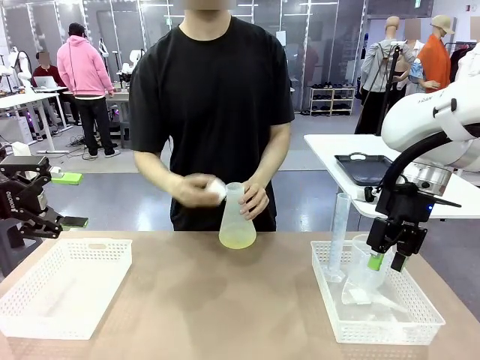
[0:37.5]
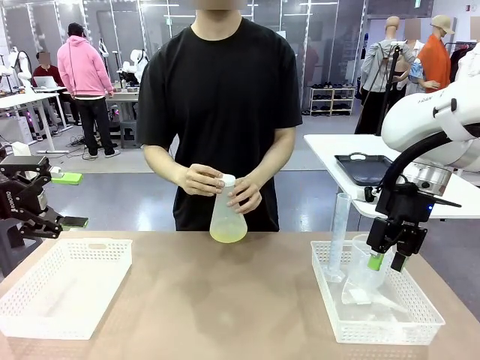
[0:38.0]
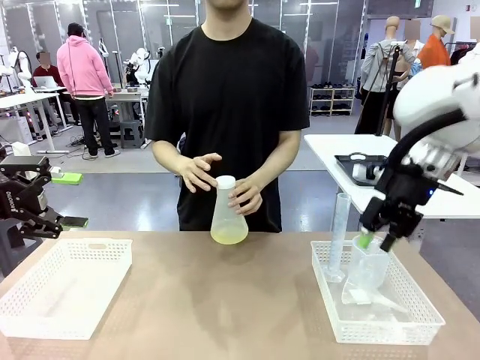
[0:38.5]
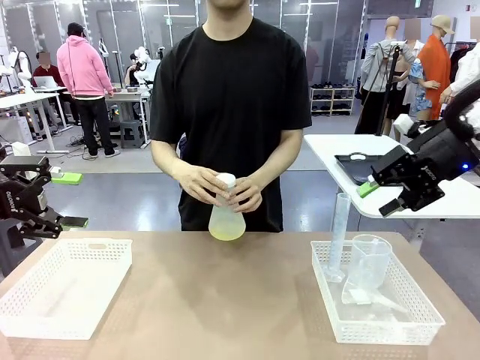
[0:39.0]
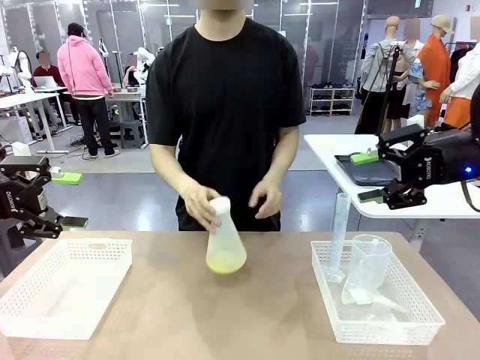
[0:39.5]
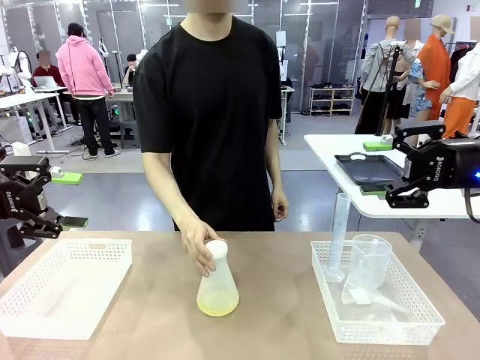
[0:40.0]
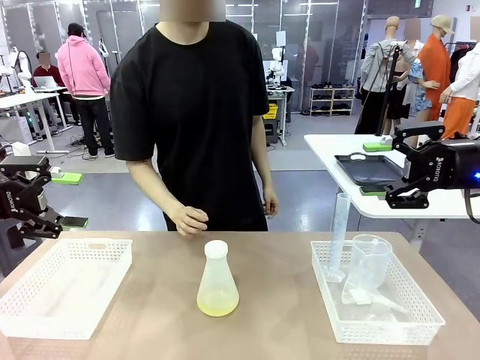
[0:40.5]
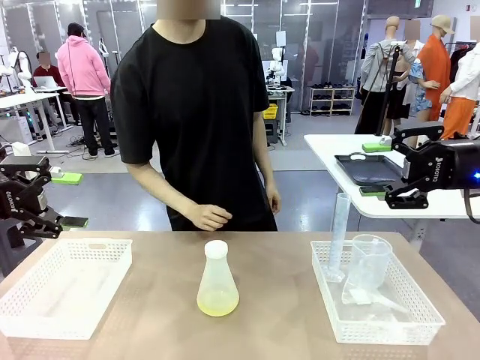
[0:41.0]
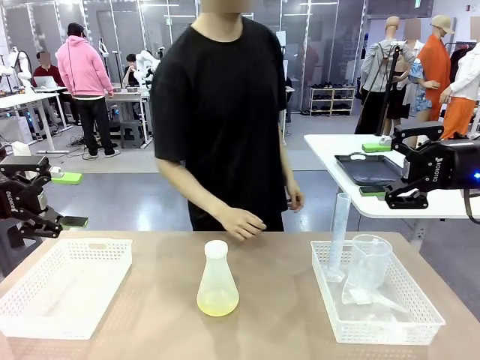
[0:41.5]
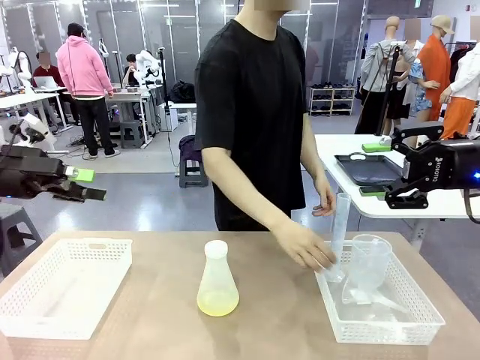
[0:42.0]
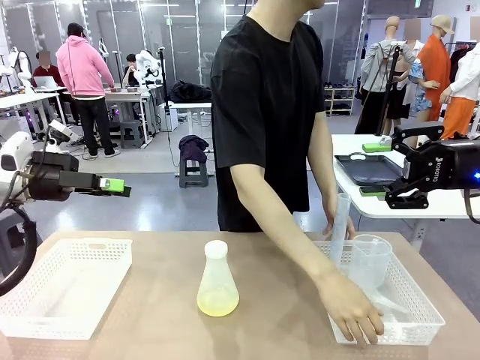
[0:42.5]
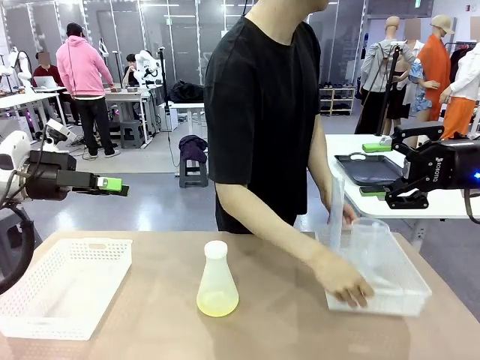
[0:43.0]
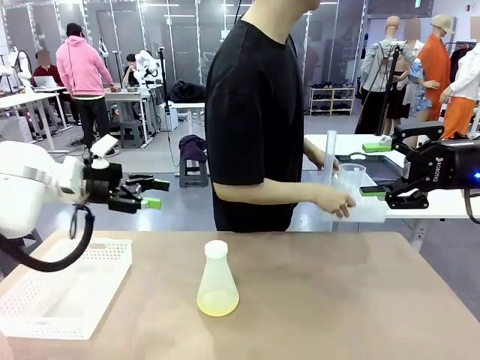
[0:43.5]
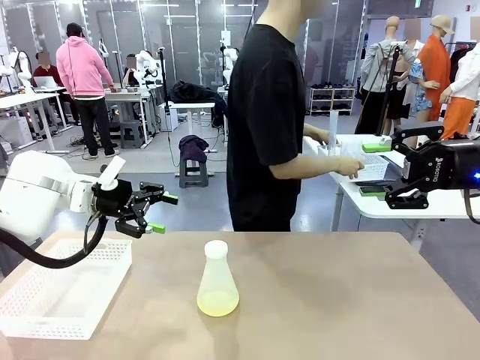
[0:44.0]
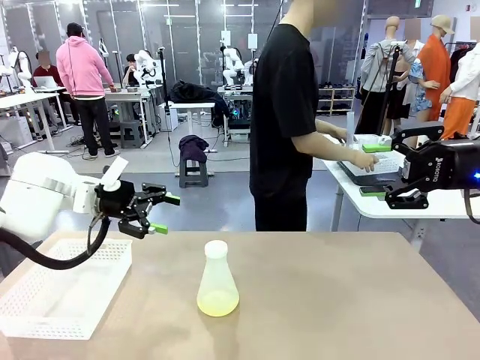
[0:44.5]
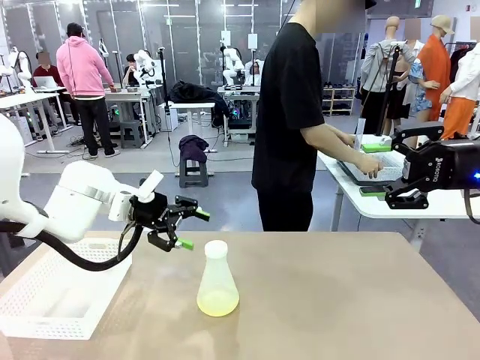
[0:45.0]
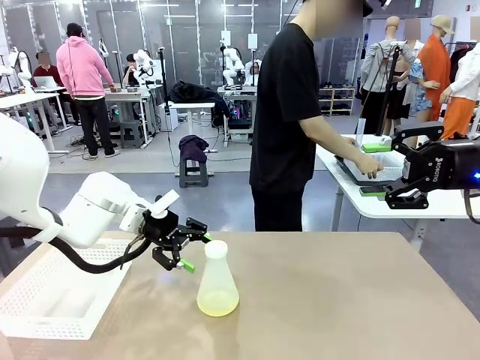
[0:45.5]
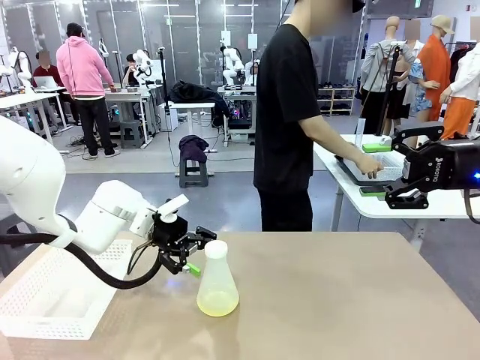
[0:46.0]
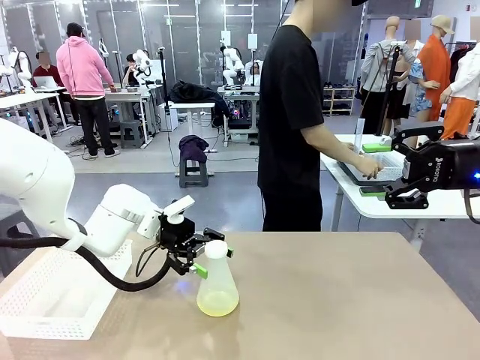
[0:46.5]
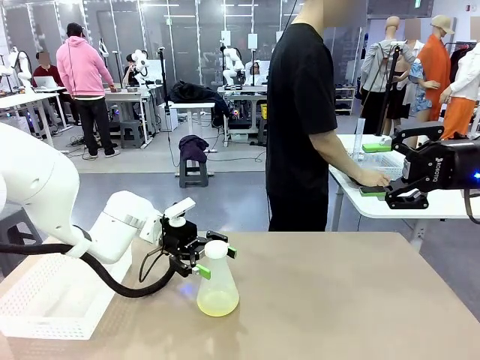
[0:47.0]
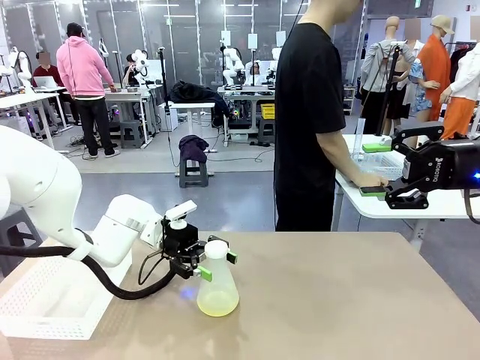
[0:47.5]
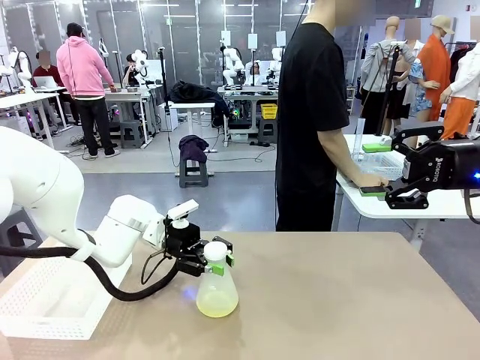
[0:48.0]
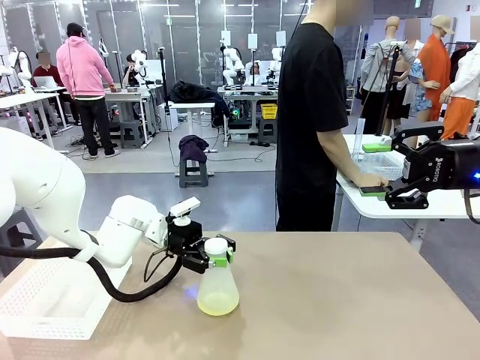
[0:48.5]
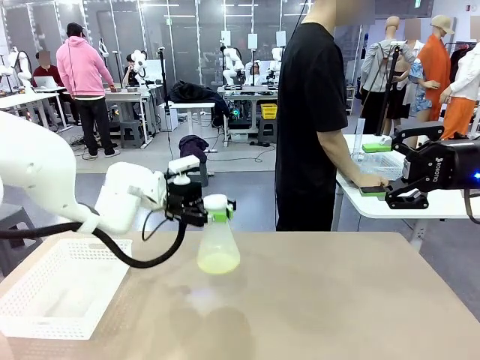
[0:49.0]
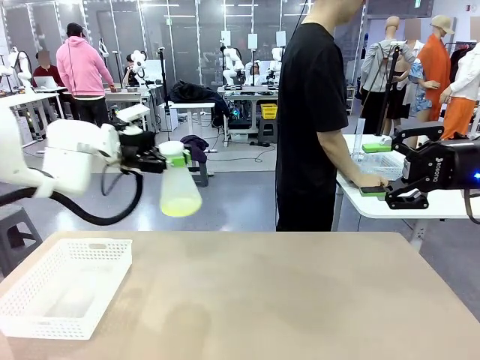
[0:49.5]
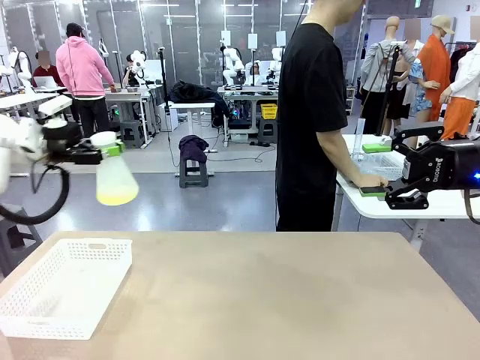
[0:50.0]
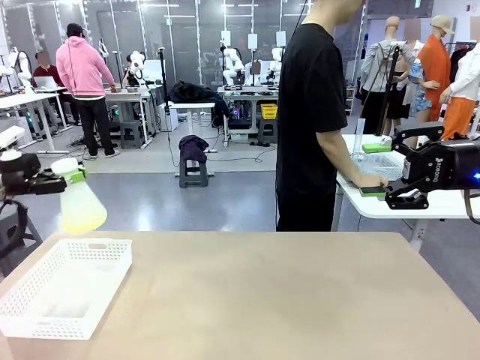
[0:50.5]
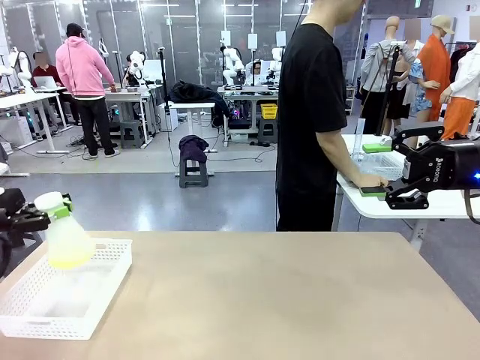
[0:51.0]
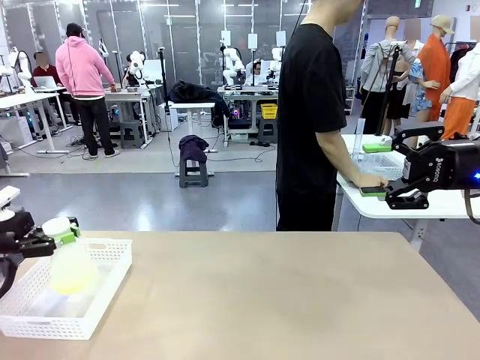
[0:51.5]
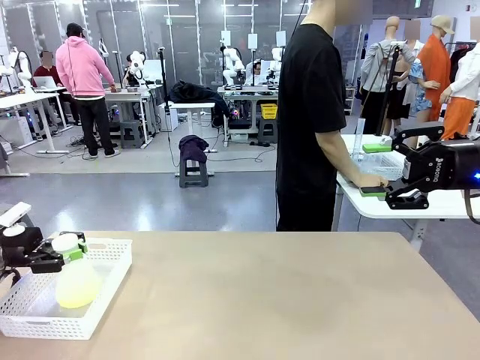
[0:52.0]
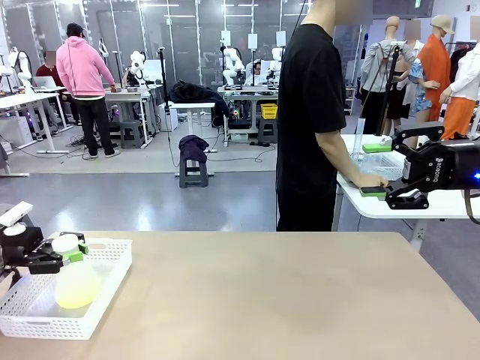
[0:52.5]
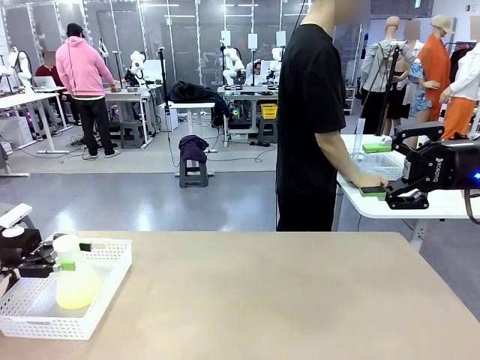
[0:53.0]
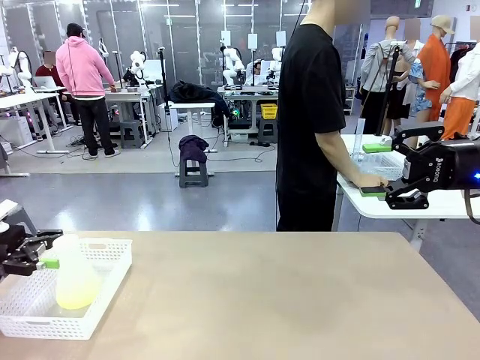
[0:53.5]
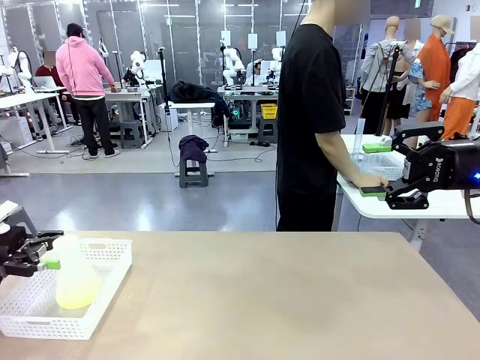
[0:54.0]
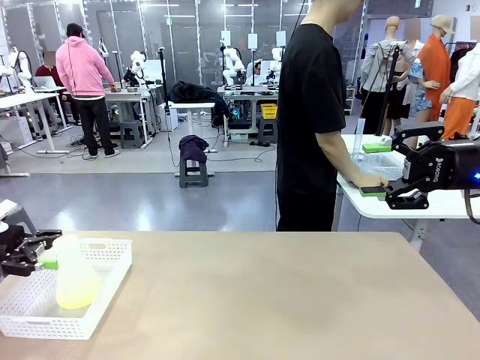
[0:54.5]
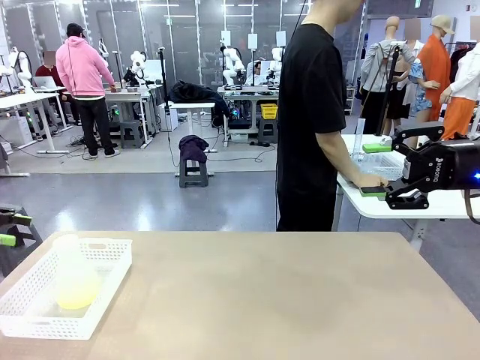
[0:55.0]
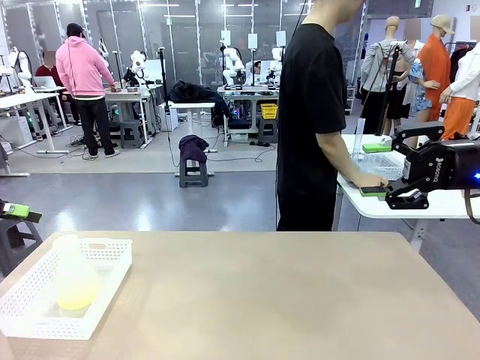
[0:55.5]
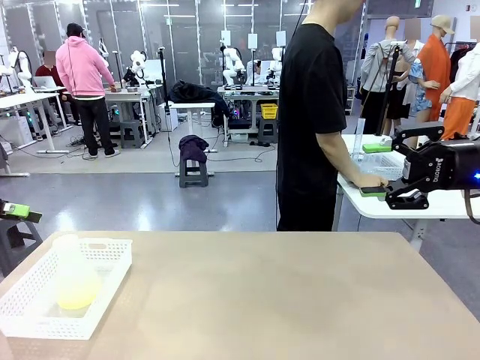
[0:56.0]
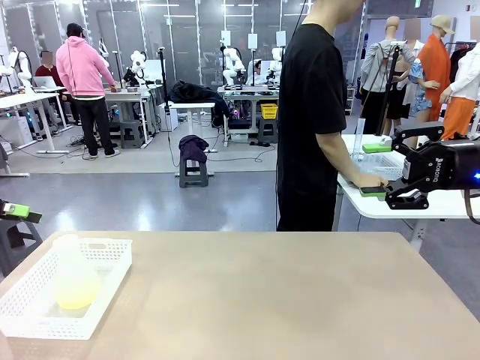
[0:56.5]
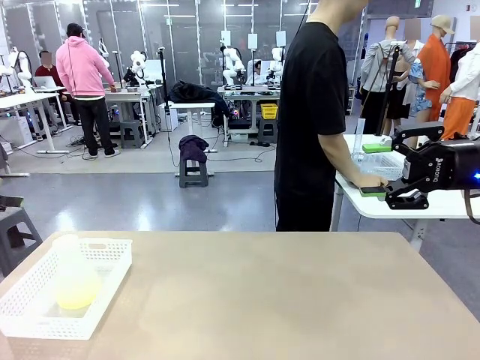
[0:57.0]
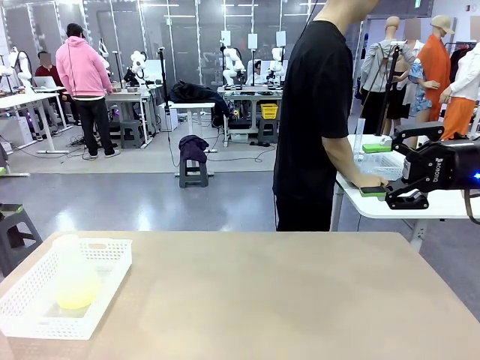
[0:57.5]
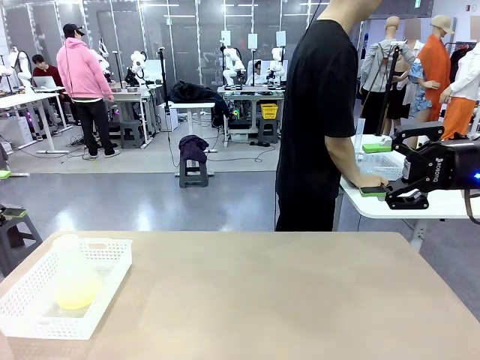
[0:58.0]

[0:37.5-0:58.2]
Task: Prepare the solutions needed for the experiment.
Robot: When the human places the Big flask in the center of the table, pick up the Big flask and place it in the left Organizing basket.
Person: Pick up the organizing basket on the left side of the robot table and place it on the left side of the human table.

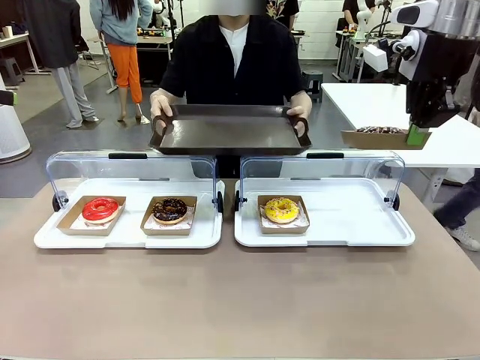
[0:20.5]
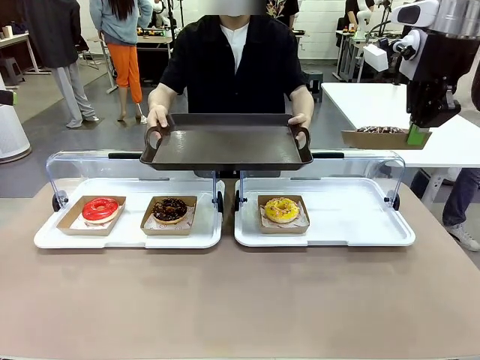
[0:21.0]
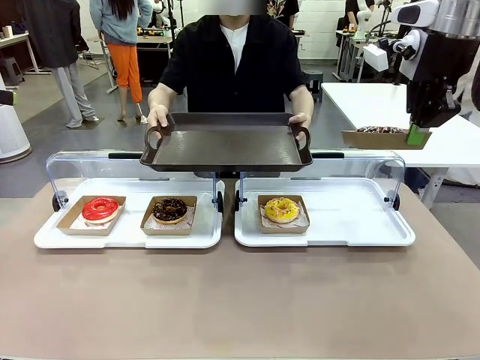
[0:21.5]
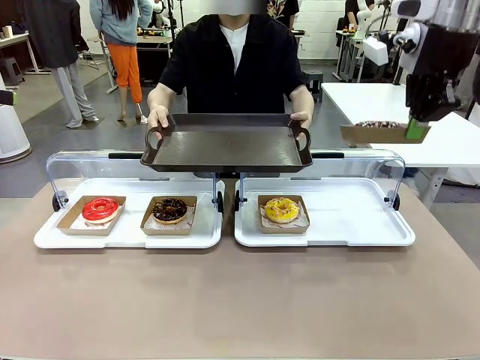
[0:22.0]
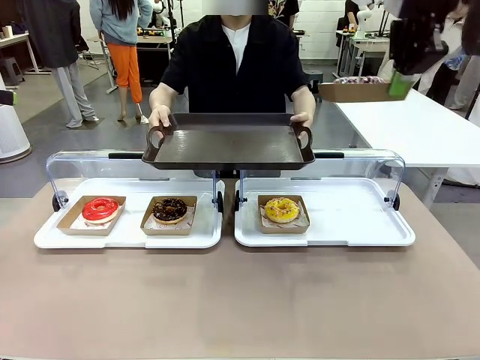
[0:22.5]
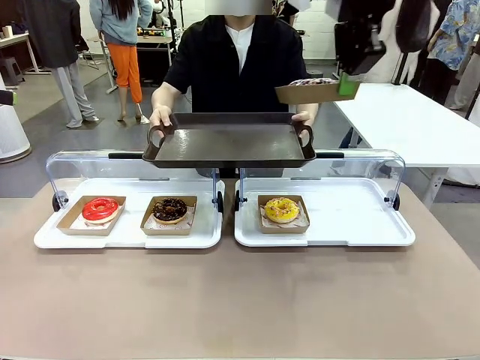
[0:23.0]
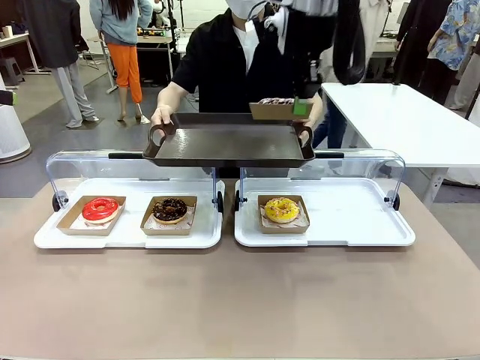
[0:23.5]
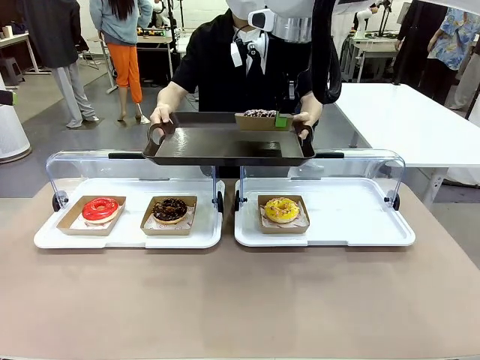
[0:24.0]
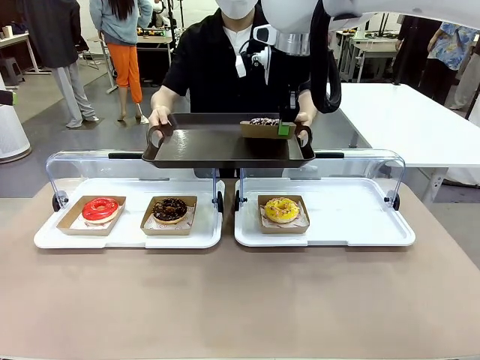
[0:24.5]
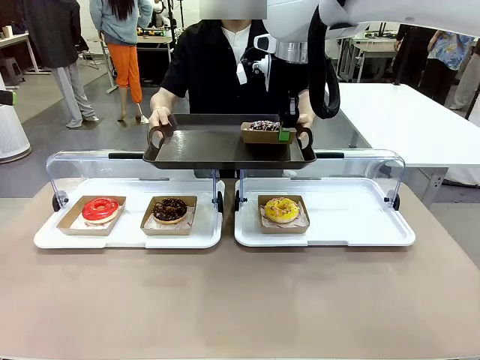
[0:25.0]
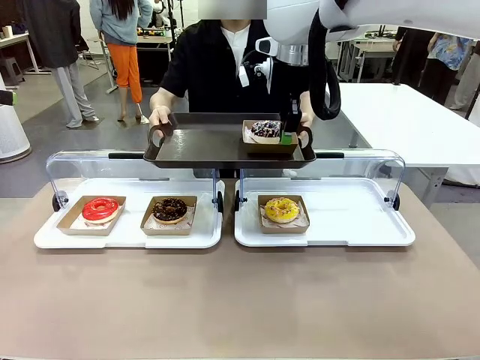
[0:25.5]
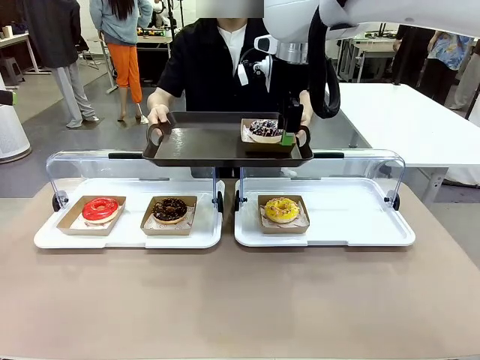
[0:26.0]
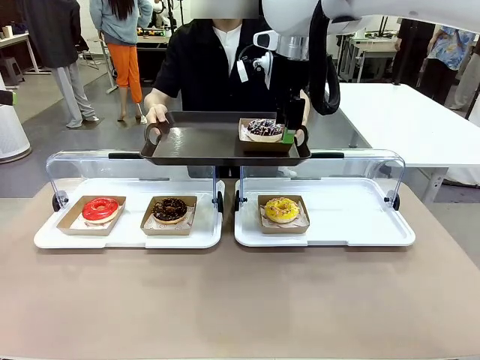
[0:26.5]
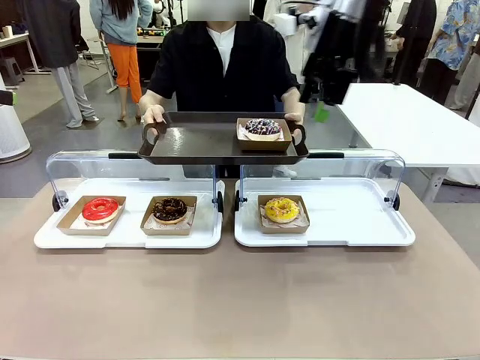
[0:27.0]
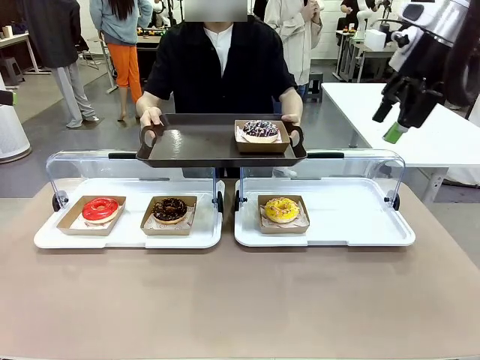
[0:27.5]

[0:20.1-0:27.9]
Task: Provide the desired donut to the person.
Robot: Place the picked Paper togo box onto the Handle tray extended by the person.
